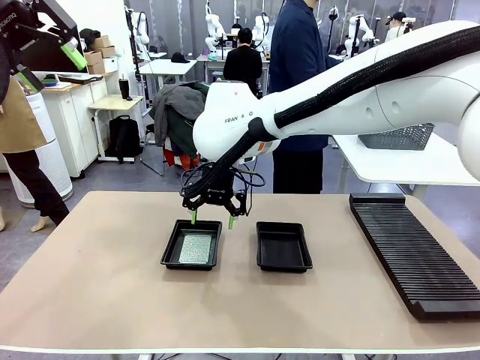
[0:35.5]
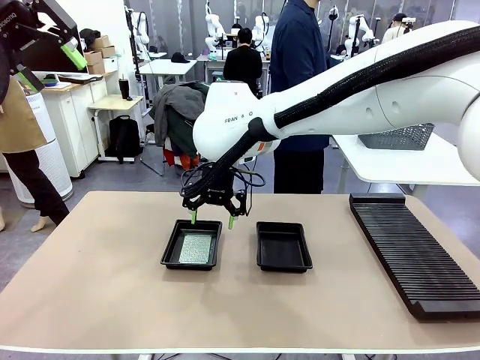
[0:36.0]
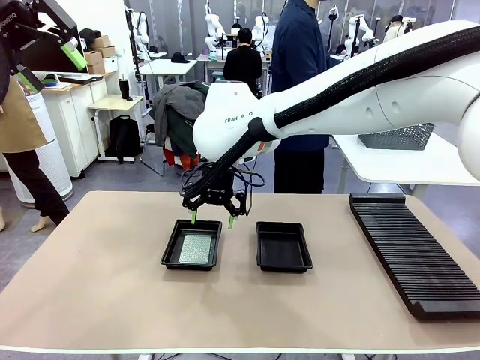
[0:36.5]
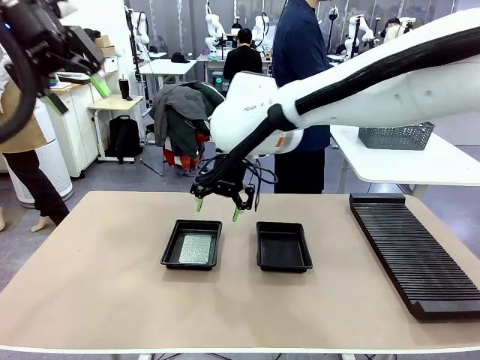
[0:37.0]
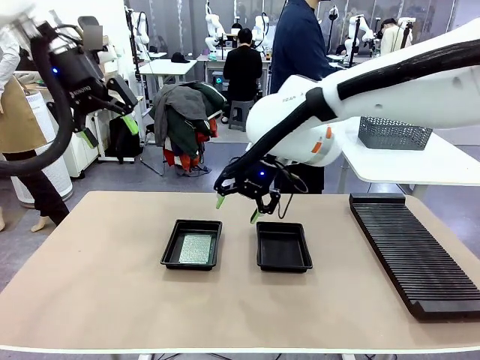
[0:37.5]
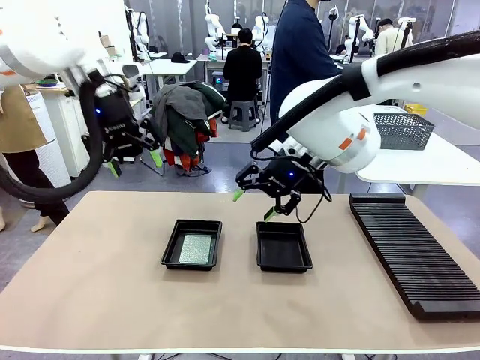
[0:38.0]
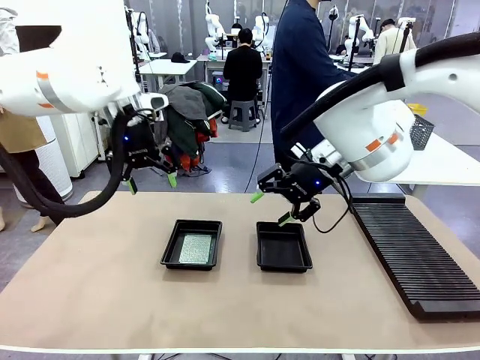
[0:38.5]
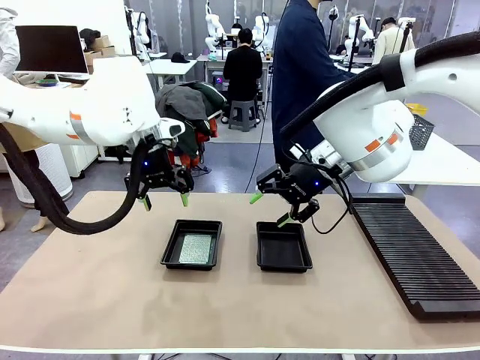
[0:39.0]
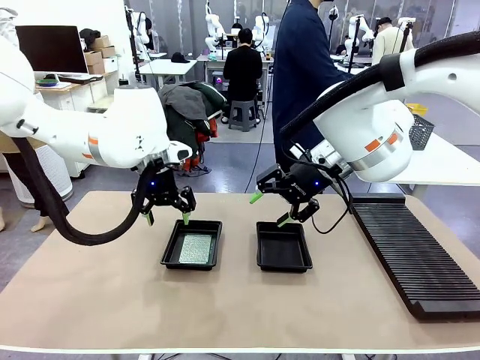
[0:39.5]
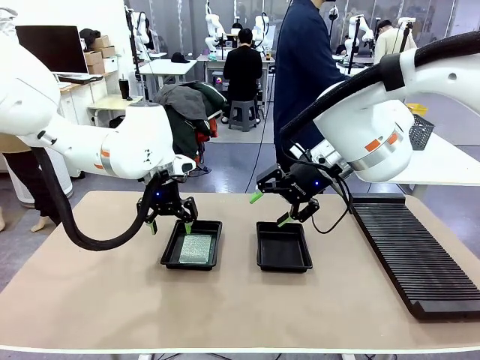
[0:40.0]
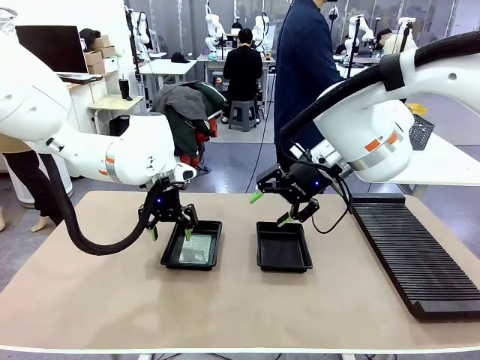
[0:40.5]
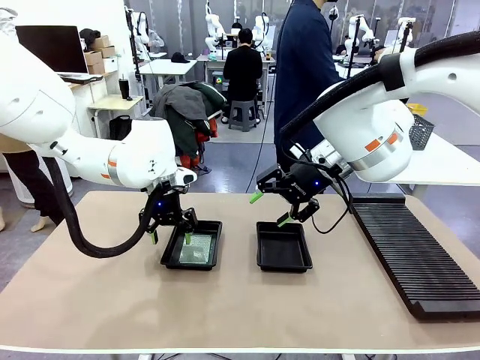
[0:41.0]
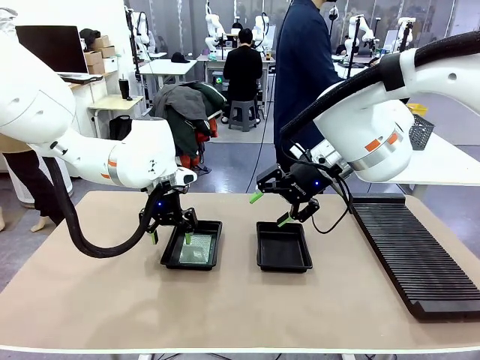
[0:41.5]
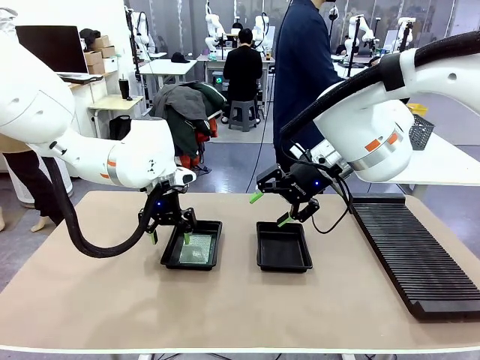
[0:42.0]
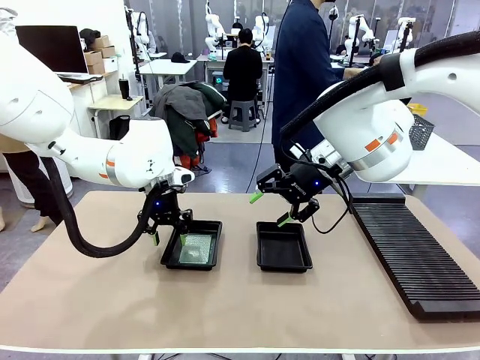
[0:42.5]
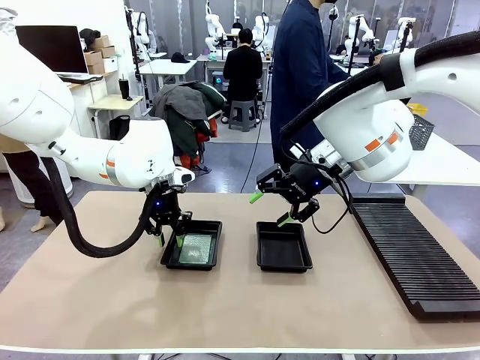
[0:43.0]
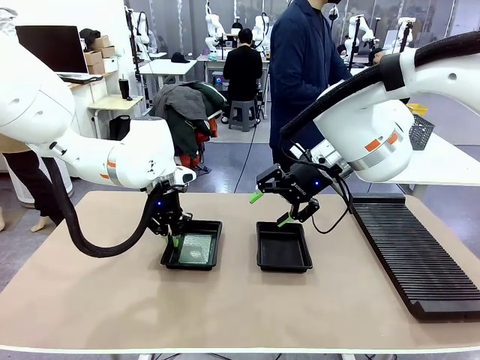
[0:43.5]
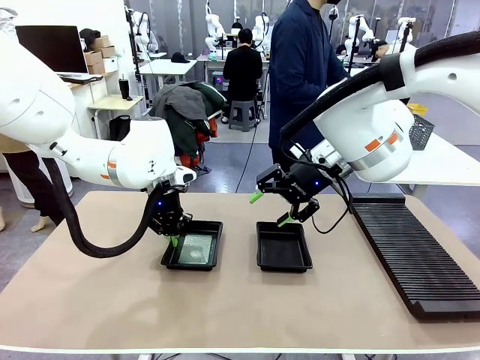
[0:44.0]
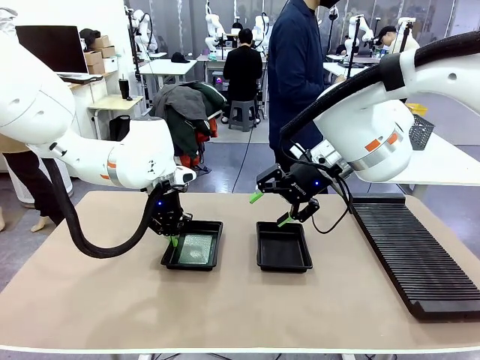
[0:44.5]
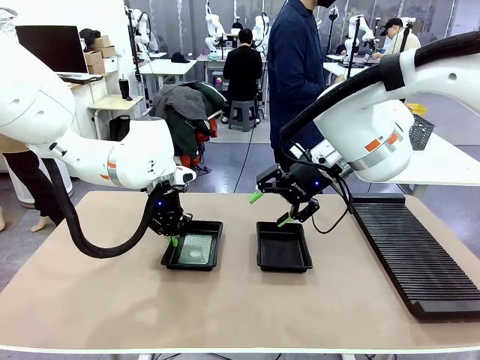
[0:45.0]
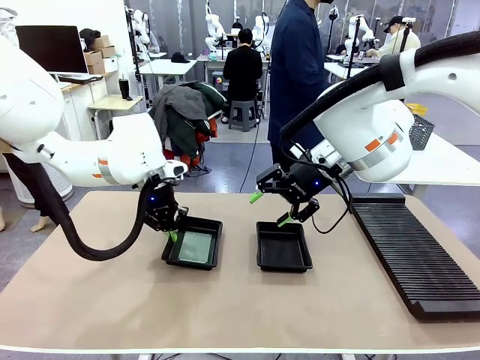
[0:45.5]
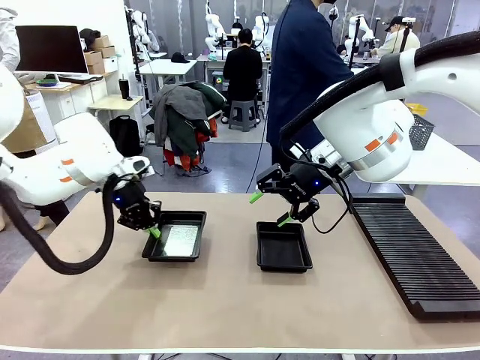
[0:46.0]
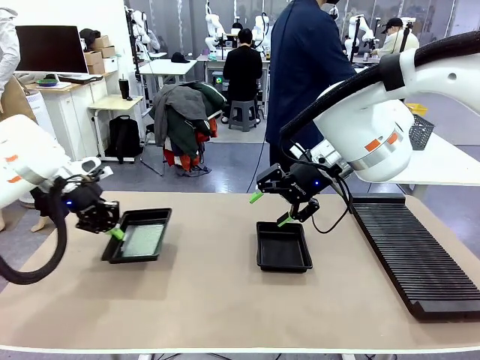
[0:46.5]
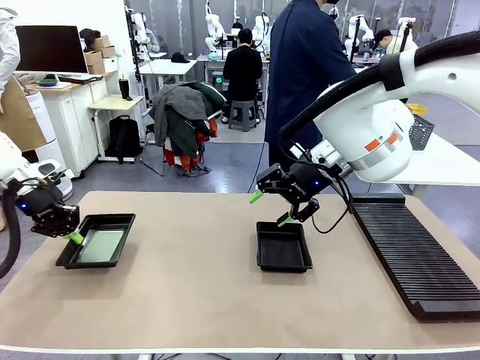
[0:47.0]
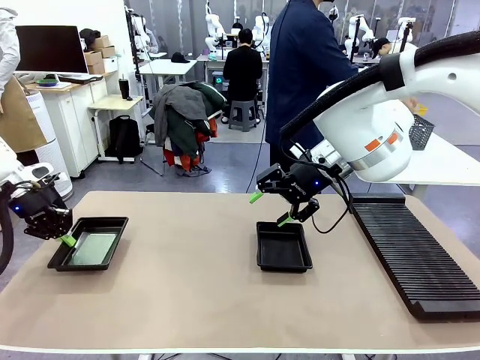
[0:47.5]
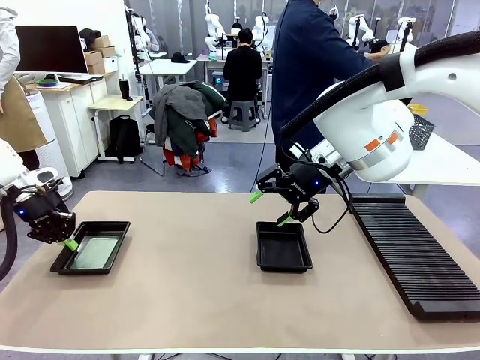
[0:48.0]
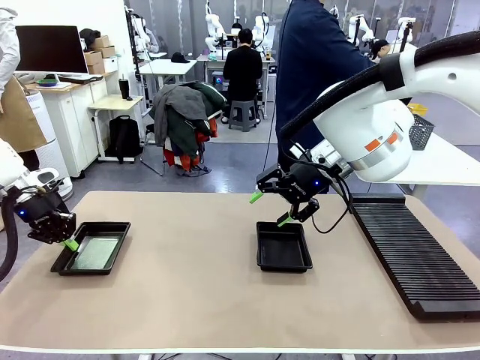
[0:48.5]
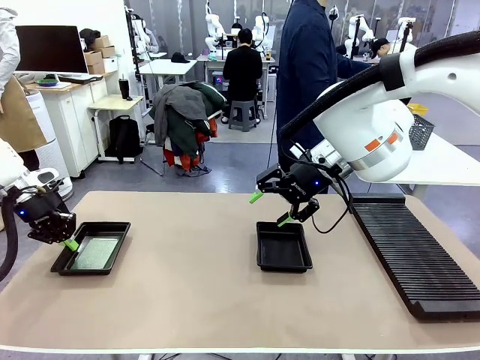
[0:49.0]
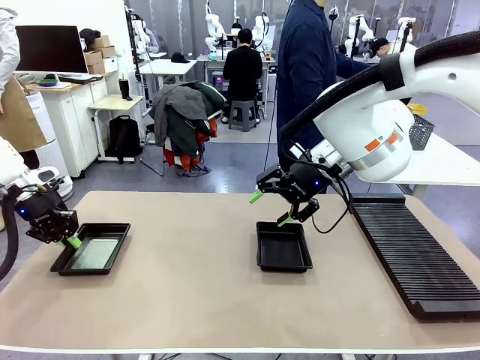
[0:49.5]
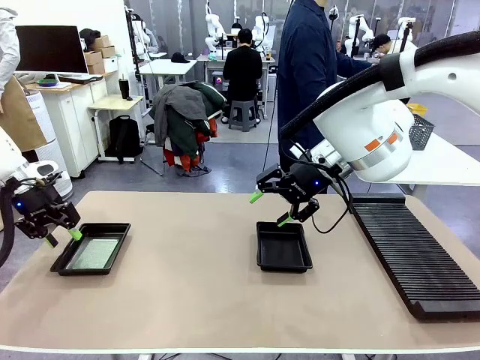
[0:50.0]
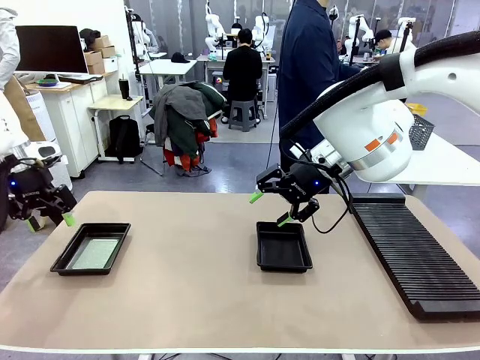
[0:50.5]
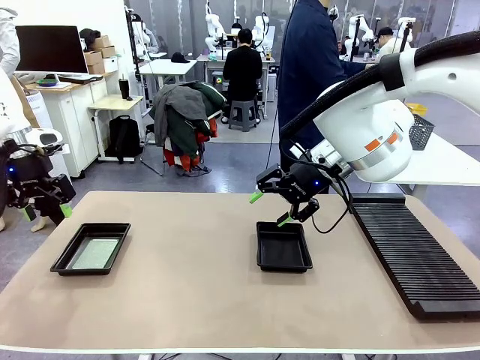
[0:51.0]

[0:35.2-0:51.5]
Task: Inspect and transfer BCBs to ESD trays.
Robot: Pick up the ESD tray and place it on the left side of the table.

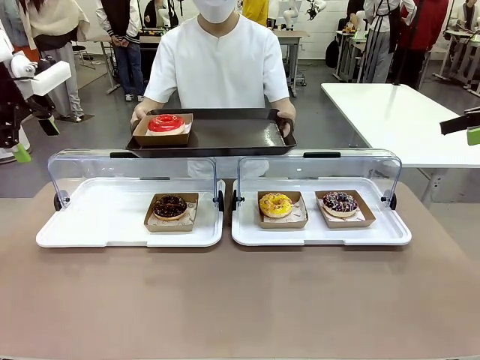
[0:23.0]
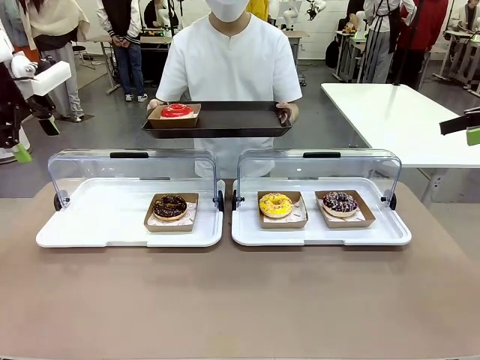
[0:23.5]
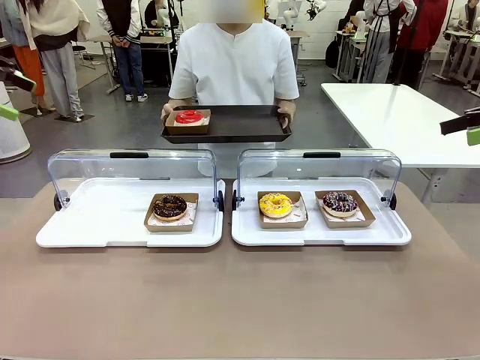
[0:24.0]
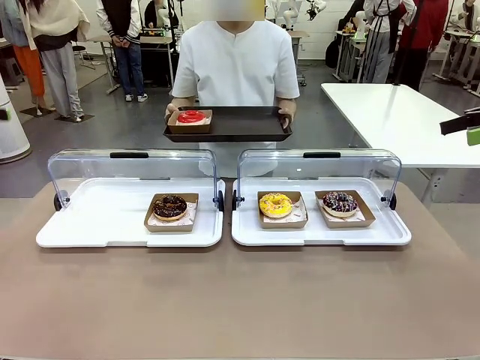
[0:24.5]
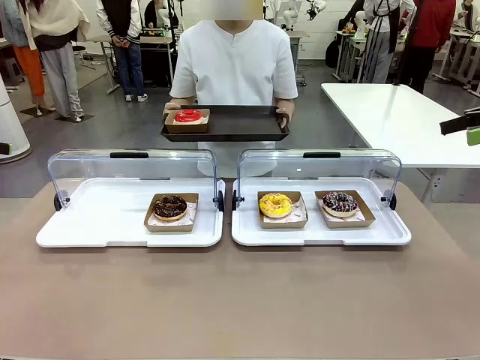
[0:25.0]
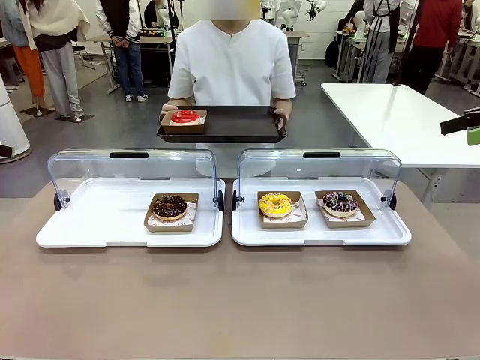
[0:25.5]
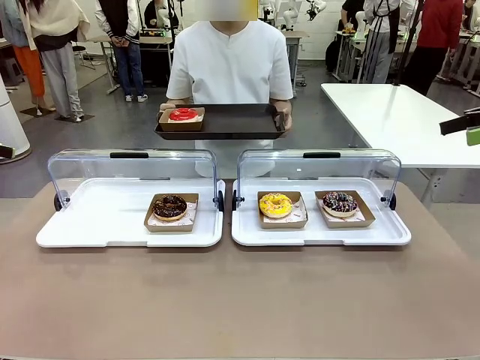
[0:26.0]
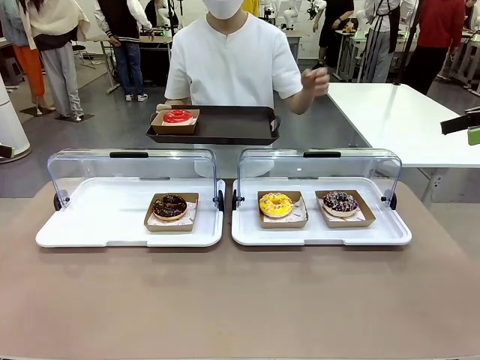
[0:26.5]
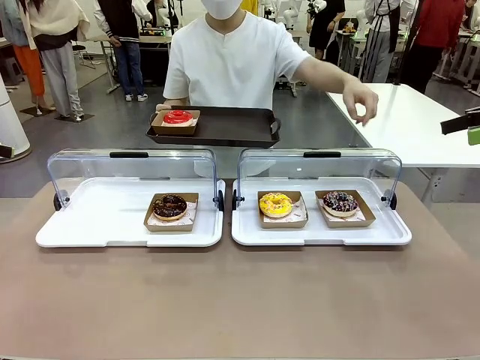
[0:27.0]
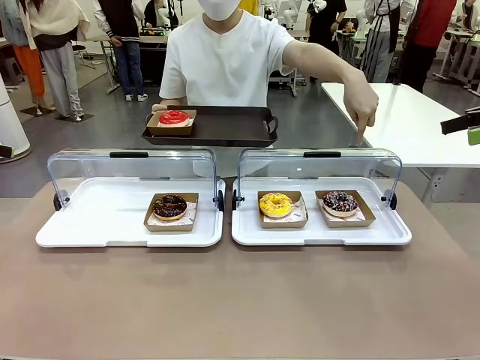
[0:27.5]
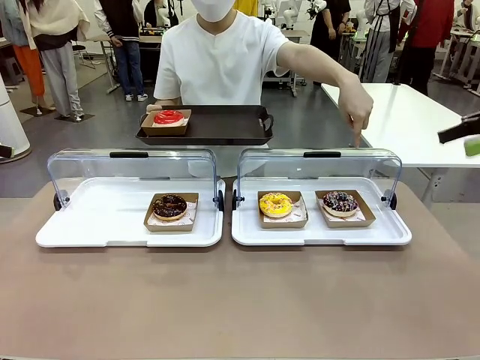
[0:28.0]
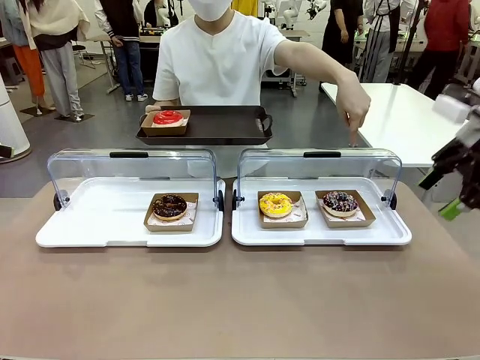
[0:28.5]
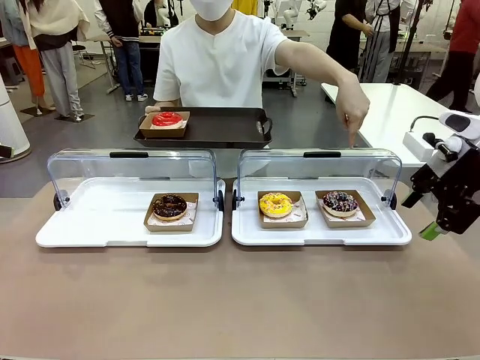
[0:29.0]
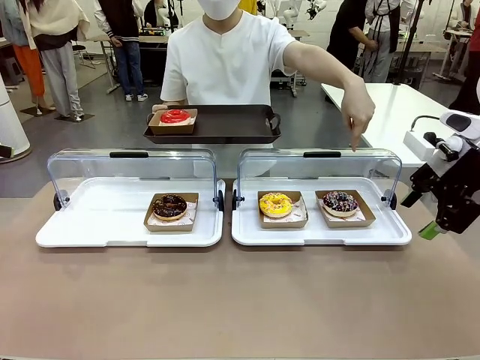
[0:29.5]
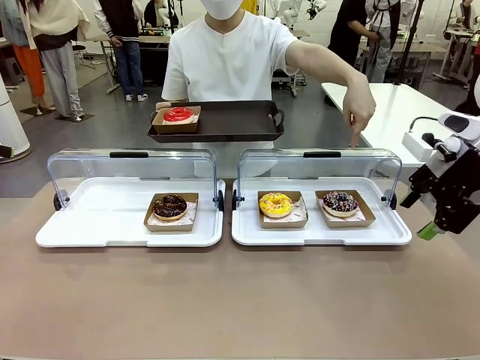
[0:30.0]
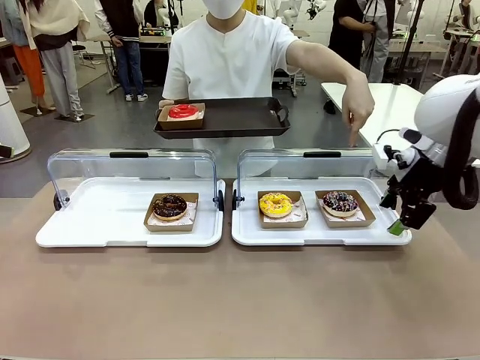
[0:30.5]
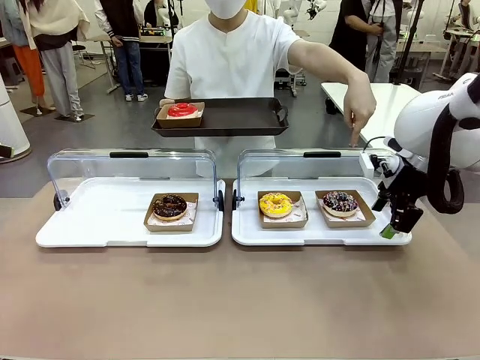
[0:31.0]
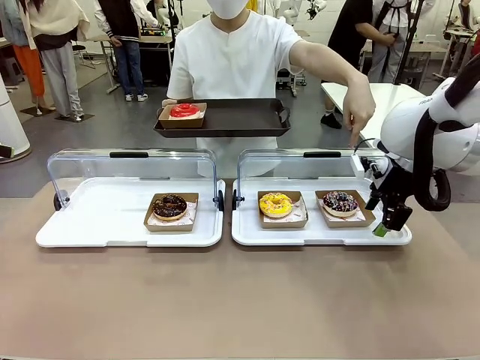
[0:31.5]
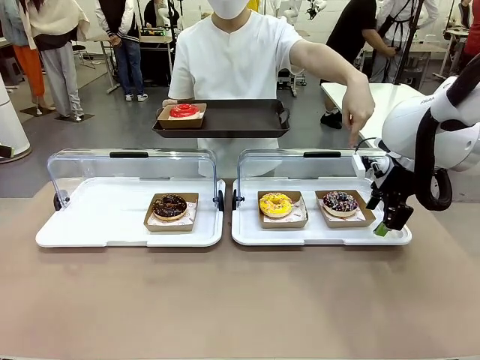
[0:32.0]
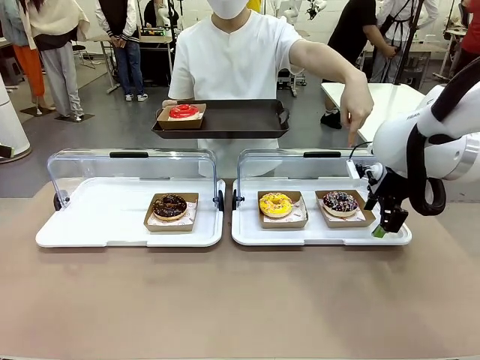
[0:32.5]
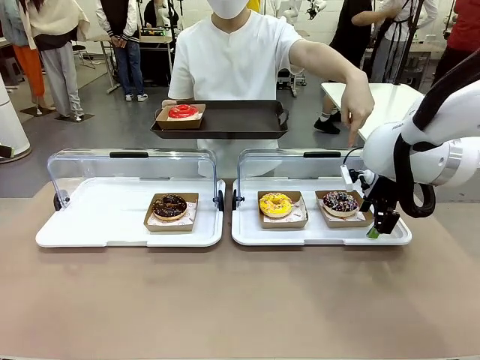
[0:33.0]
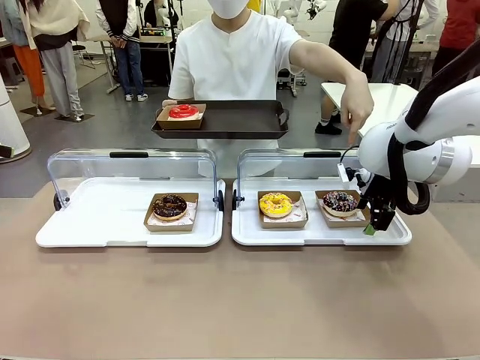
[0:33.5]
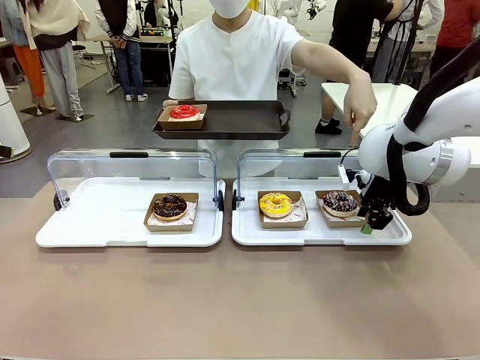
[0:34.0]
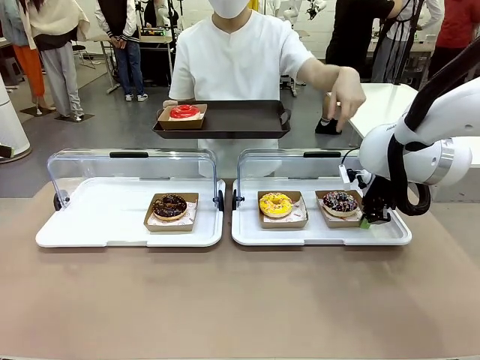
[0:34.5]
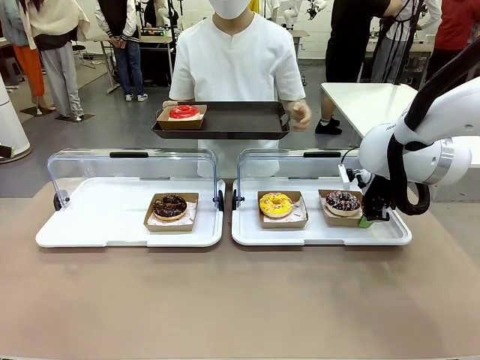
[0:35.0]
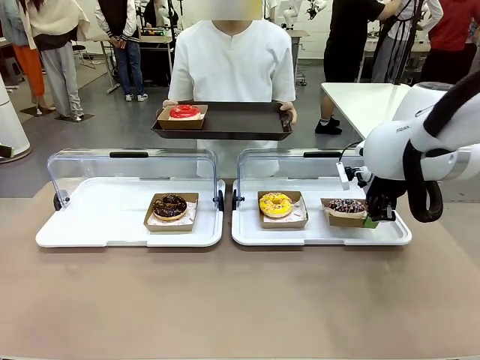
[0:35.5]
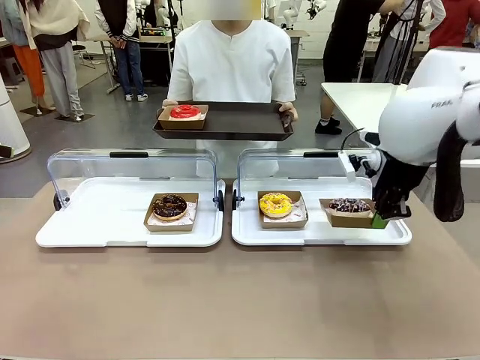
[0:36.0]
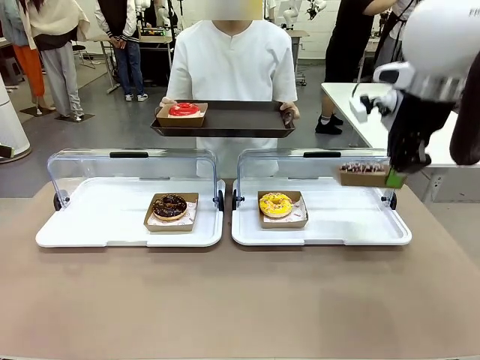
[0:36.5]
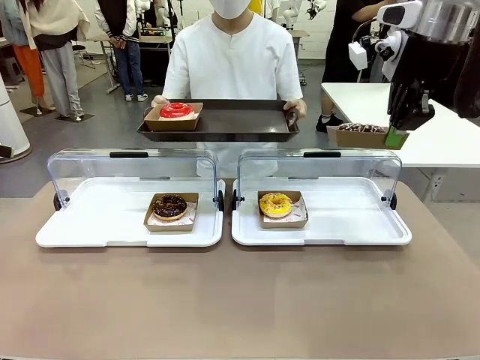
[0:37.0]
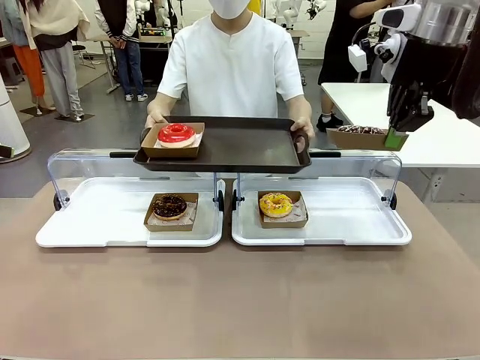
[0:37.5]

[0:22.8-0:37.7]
Task: Provide the desired donut to the person.
Robot: Pick up and lift the Paper togo box containing the Donut pointed at by the person.
Person: Point to one donut. Lift the tray onto the Roll-Top Bakery Case.
